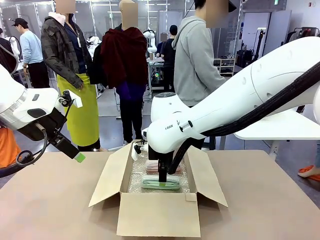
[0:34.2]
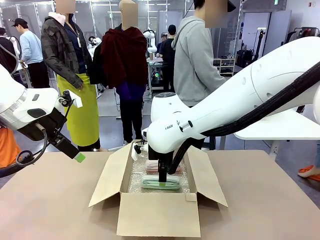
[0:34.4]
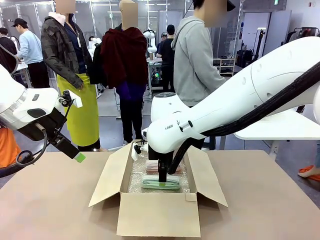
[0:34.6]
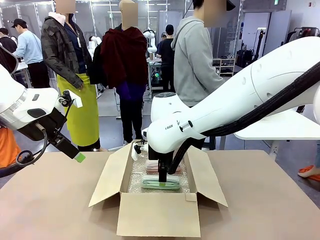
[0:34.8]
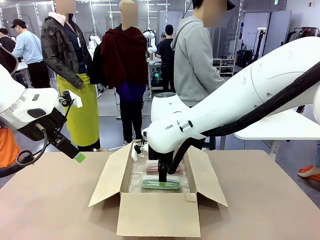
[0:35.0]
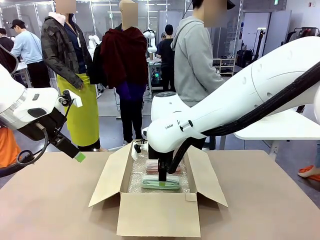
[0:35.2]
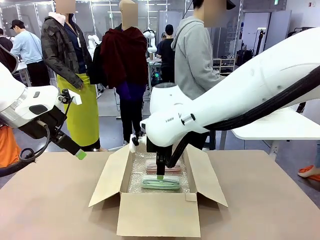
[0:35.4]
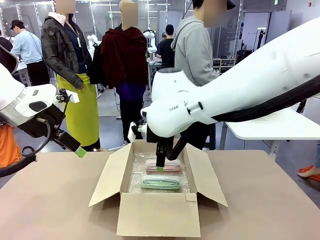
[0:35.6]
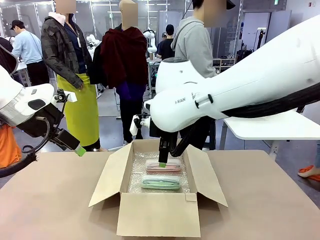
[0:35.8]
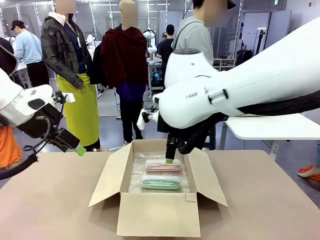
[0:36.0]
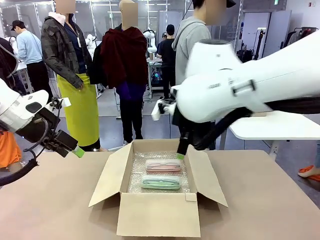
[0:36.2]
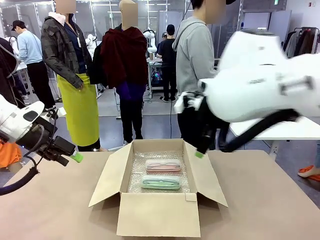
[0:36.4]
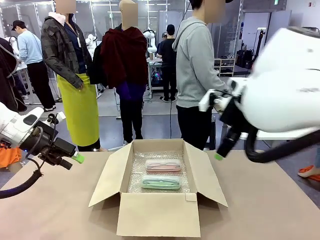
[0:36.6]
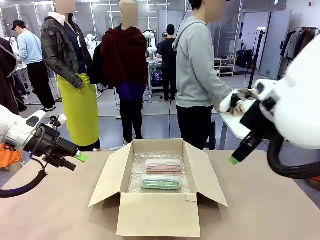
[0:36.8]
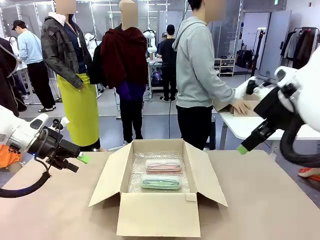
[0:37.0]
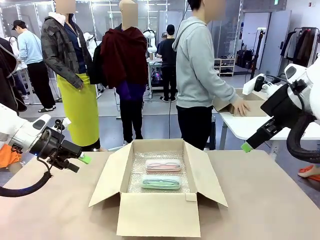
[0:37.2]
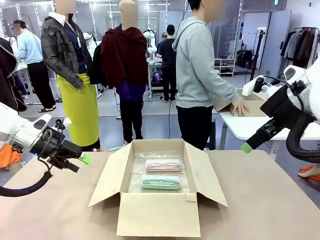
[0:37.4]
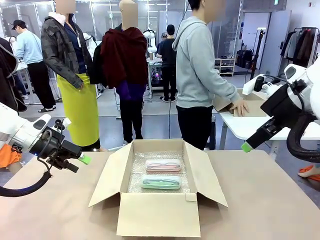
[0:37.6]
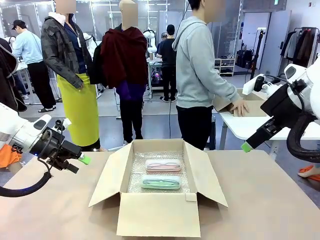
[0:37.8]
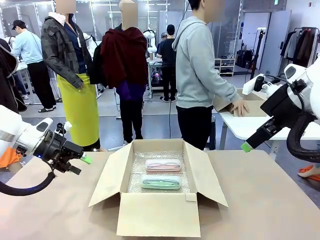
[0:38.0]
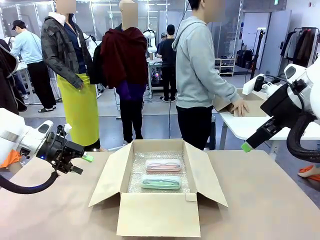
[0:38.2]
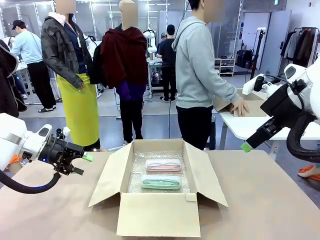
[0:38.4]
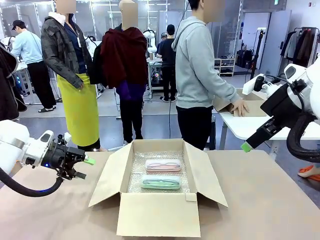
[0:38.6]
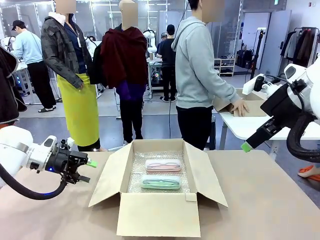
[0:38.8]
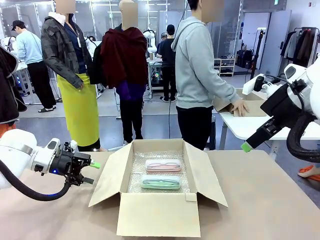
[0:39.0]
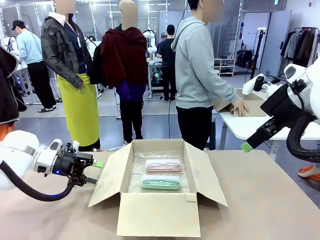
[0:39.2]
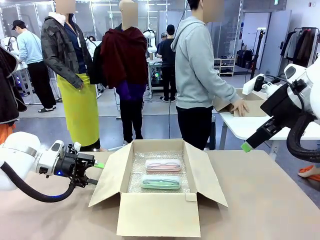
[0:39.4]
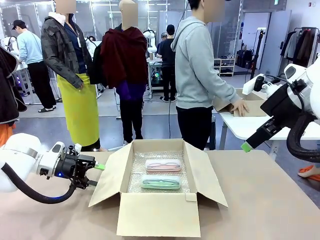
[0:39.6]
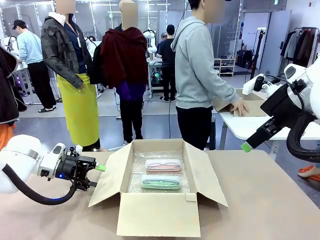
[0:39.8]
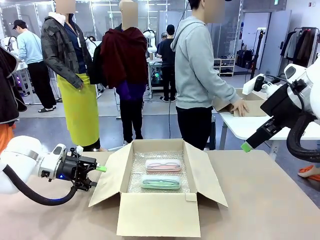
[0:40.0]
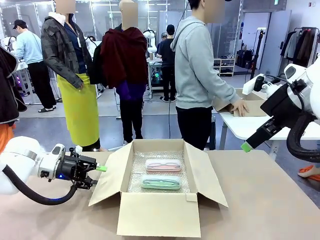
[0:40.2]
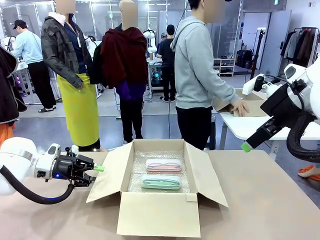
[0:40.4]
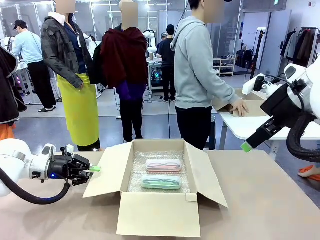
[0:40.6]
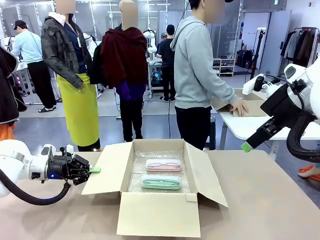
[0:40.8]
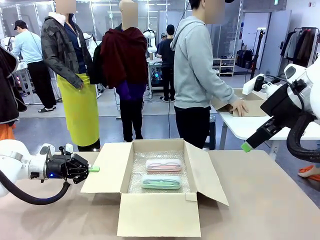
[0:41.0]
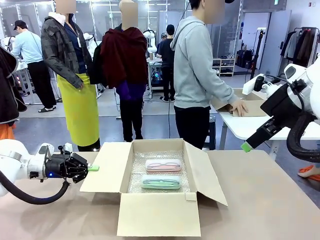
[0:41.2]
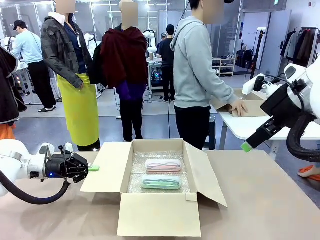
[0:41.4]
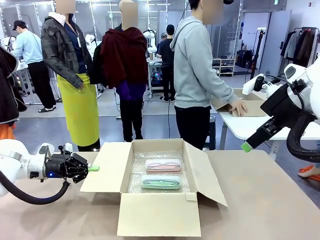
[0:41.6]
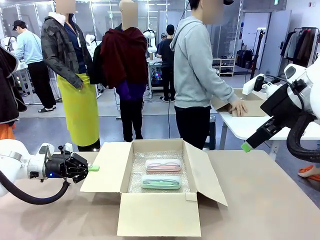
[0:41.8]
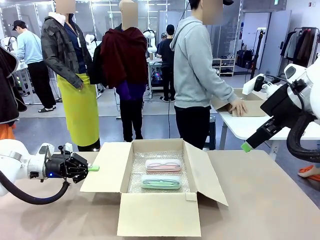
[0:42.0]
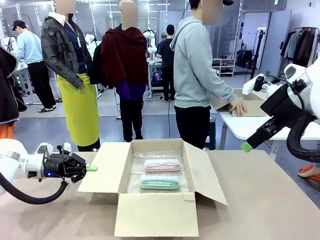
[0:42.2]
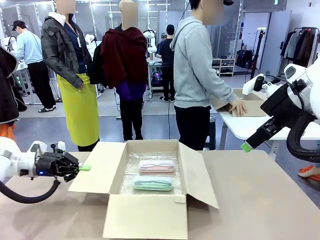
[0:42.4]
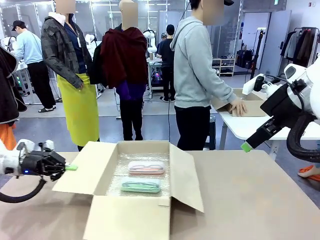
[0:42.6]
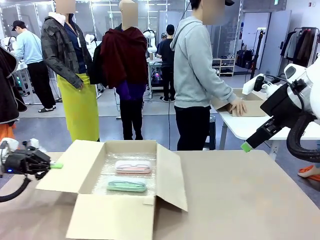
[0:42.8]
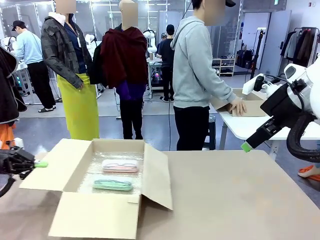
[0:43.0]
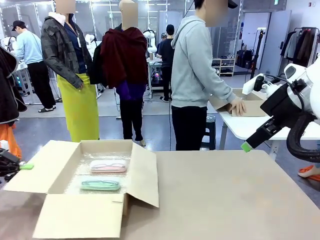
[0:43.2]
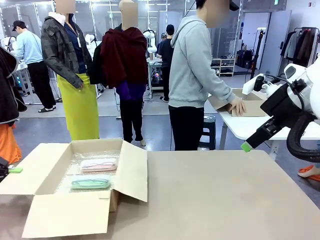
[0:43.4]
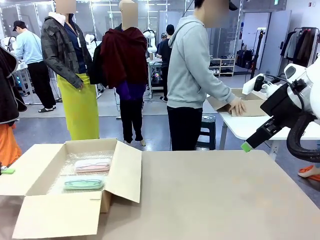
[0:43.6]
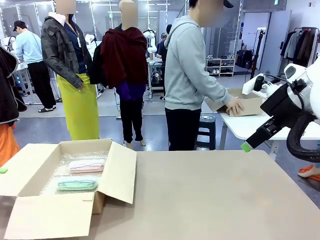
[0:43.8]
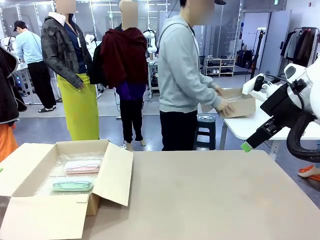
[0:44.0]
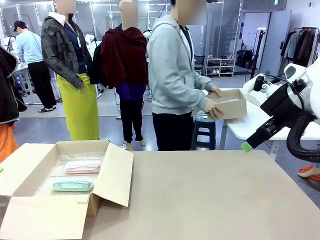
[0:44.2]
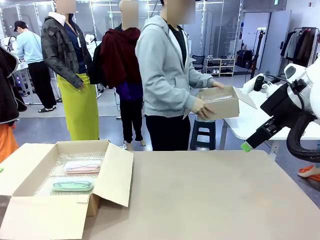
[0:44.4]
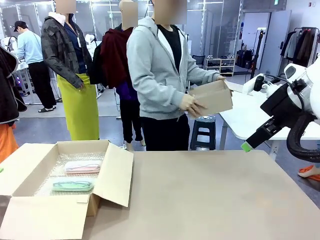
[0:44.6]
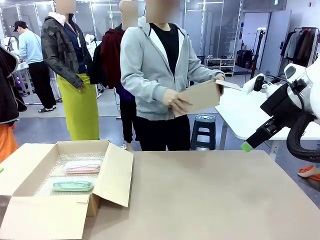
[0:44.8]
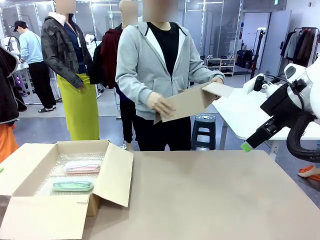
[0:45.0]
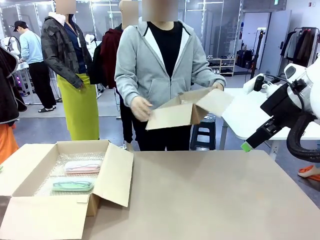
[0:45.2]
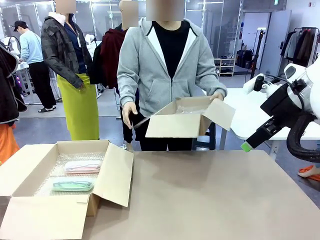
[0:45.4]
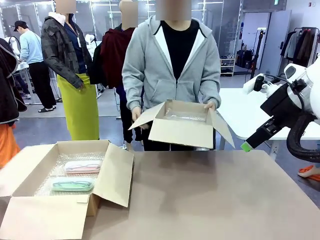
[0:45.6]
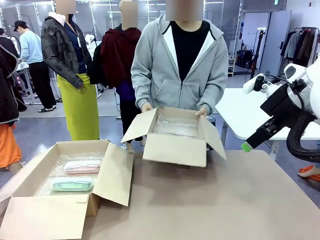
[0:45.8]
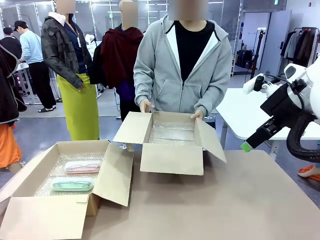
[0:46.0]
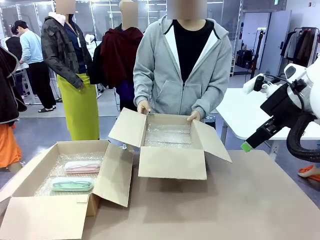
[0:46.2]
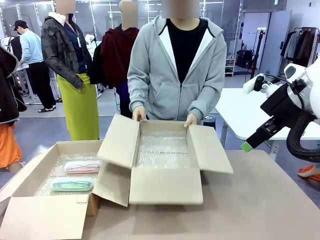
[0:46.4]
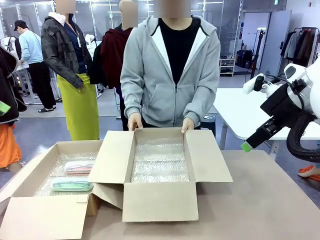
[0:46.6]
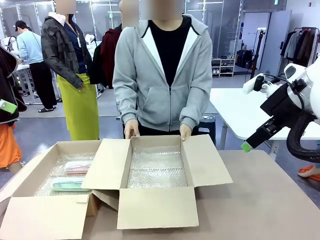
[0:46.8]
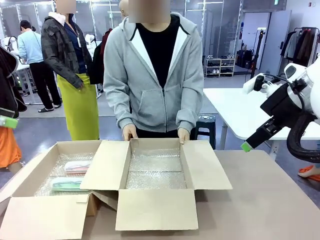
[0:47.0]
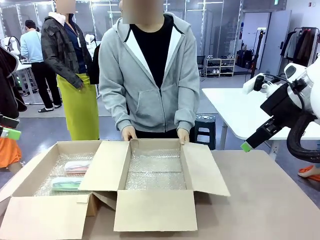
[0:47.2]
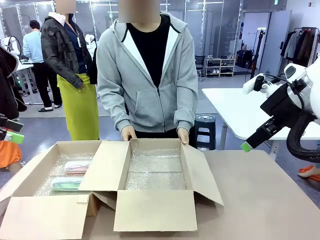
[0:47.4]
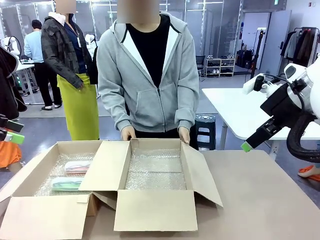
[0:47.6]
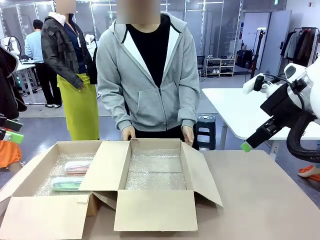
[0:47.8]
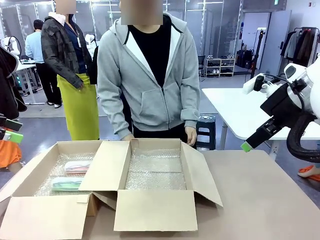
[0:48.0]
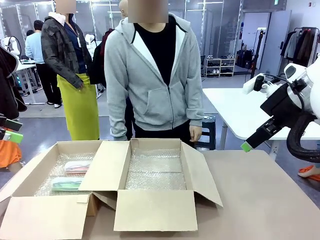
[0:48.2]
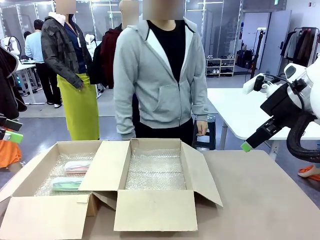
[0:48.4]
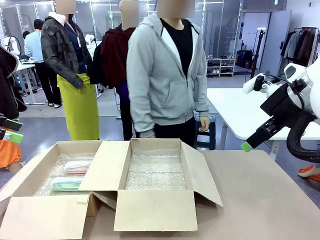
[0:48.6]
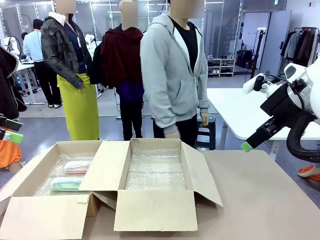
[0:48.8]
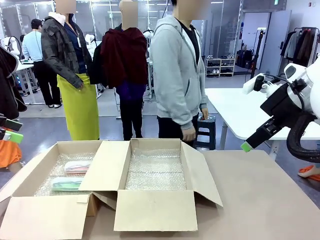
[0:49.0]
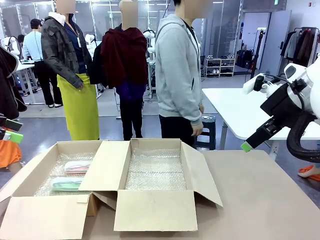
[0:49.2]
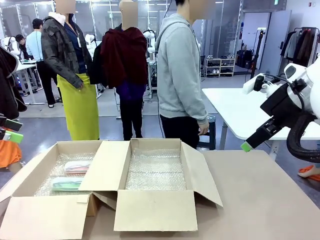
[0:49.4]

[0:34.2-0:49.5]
Task: Pack the glasses set securely to prepare it for shipping.
Robot: Position the Package Box on the left side of the table.
Person: Position the empty Package Box in the middle of the robot's table.

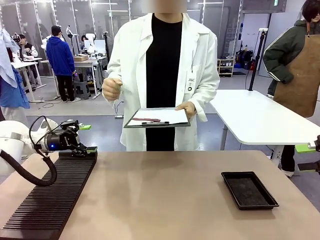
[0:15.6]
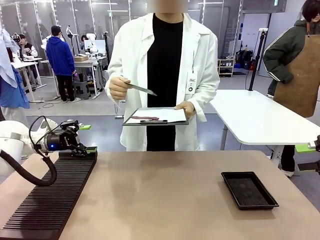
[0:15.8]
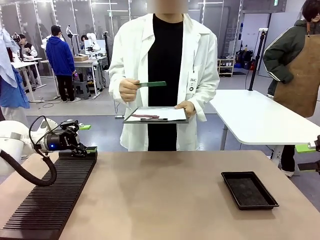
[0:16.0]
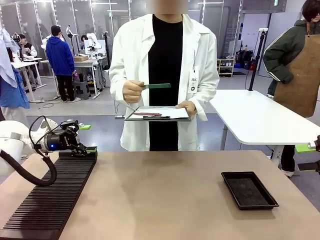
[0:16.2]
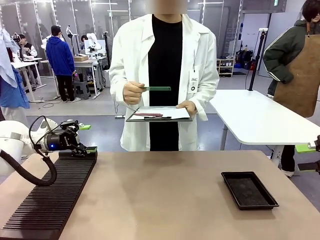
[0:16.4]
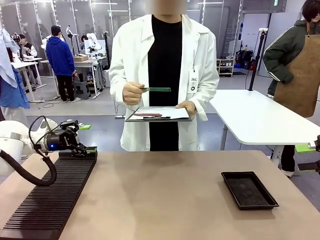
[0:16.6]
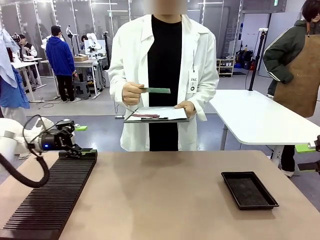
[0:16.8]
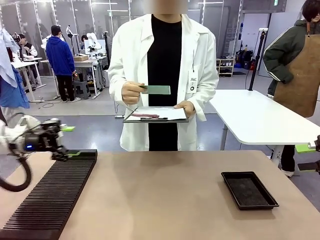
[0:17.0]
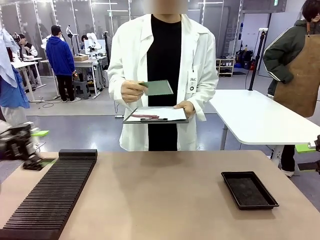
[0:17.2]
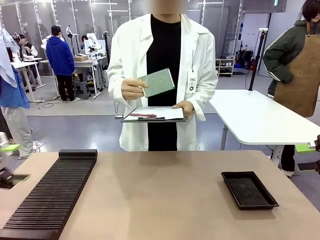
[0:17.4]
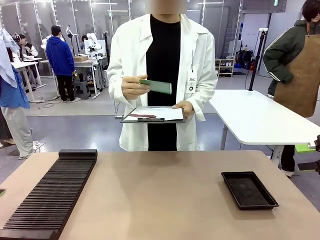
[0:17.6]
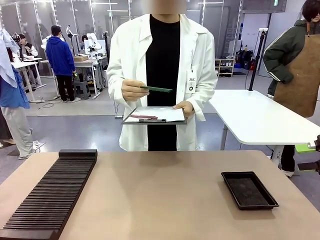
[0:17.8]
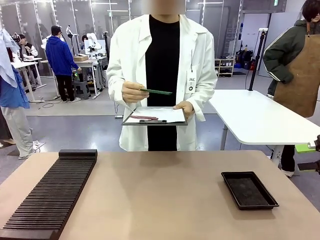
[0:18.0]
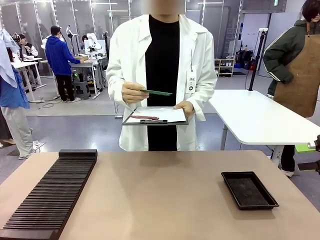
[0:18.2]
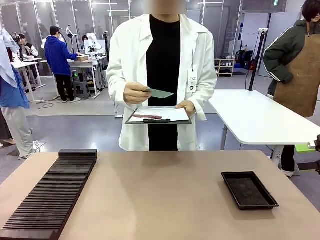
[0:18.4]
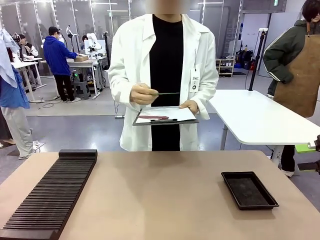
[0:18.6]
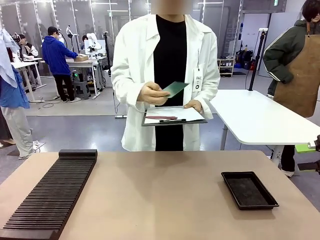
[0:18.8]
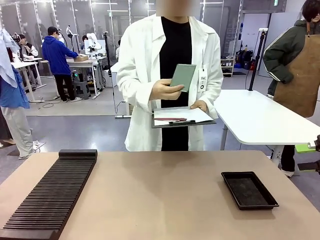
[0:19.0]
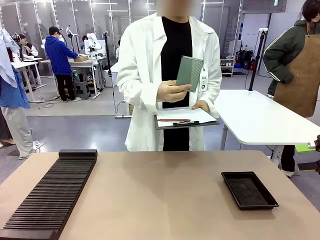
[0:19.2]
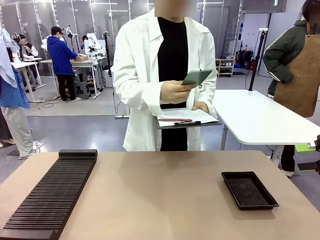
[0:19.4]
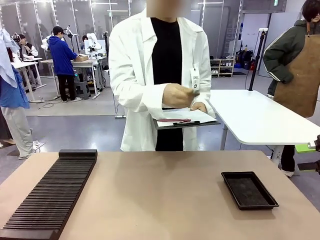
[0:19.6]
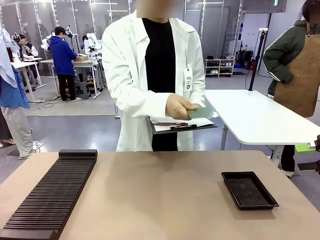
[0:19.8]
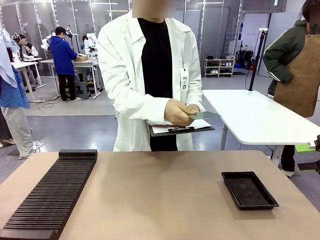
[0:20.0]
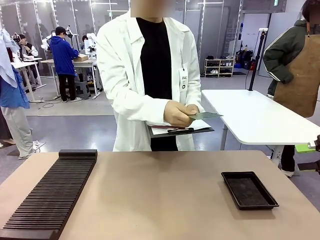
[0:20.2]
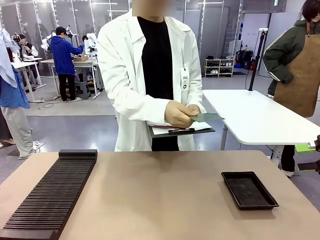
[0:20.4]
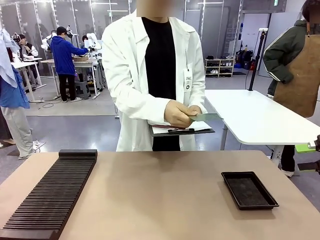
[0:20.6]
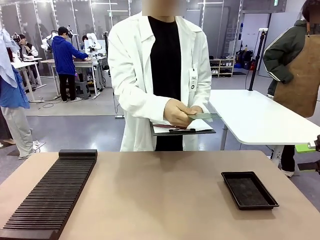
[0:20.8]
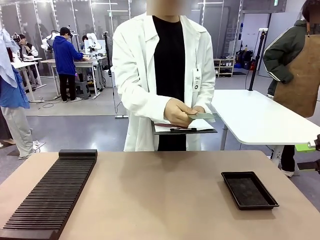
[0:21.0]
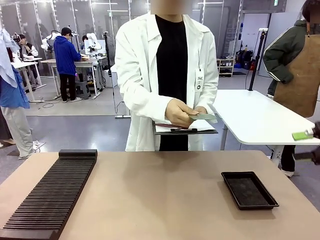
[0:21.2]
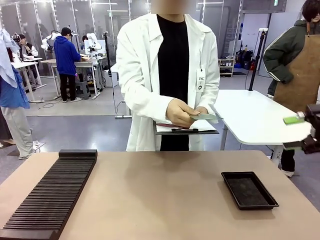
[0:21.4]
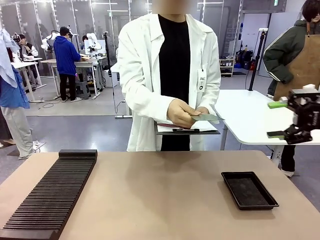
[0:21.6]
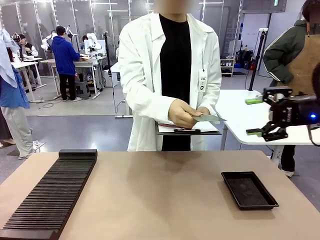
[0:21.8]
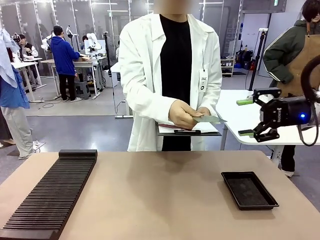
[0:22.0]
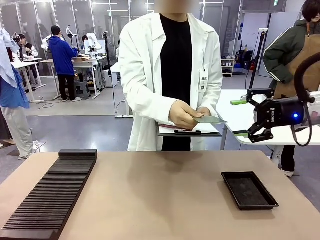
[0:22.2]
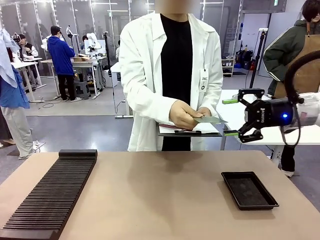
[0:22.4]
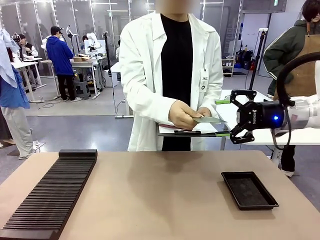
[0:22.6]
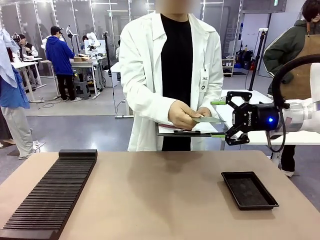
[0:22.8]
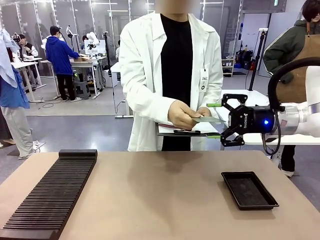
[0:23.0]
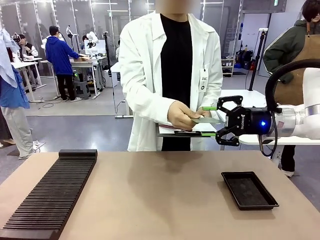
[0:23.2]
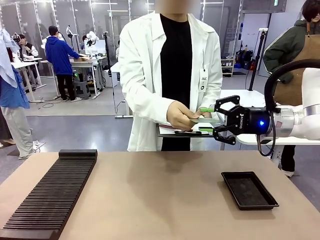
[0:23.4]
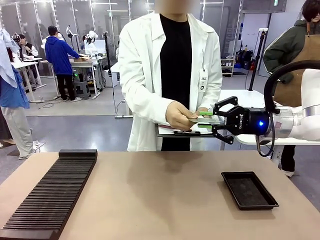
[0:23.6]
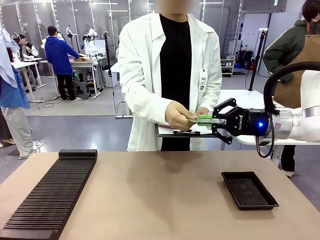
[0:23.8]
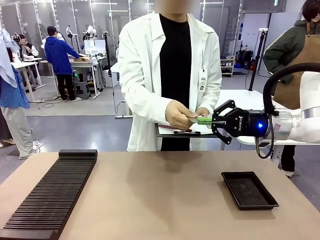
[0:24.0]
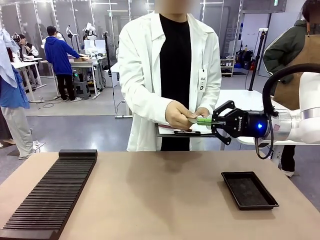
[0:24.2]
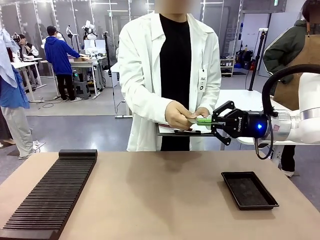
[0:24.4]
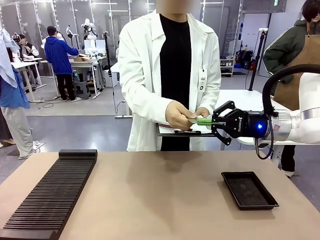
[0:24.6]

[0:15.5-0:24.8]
Task: Inspect the PCB.
Robot: Pick up the Blank PCB that the human is holding.
Person: Inspect the PCB placed by the robot, then hold it out in front of the robot. Release the PCB you were holding.
